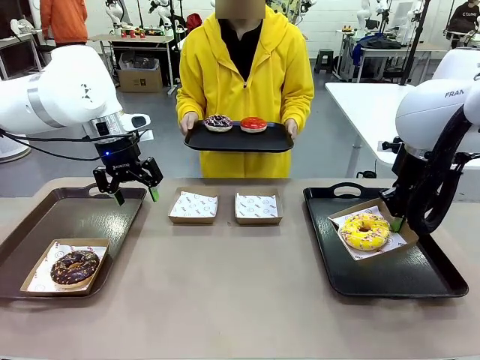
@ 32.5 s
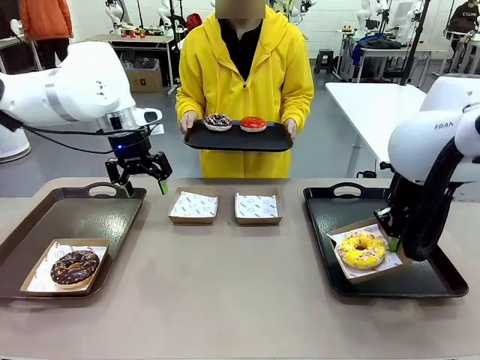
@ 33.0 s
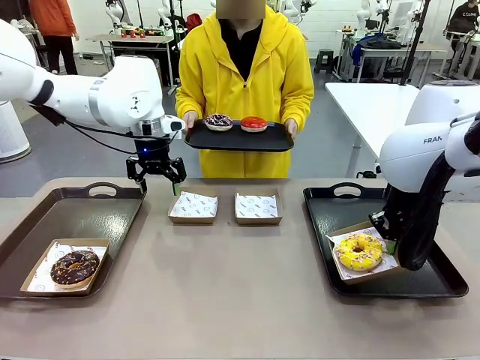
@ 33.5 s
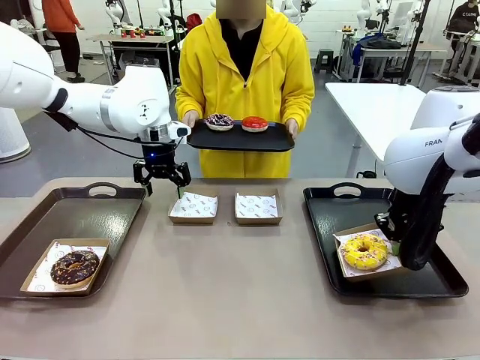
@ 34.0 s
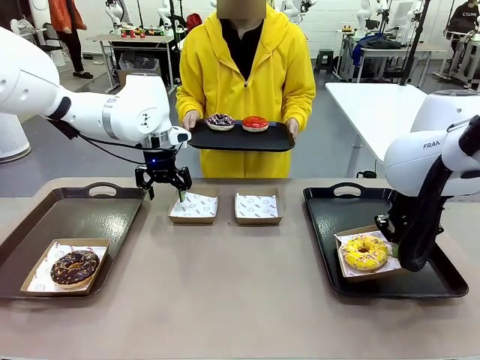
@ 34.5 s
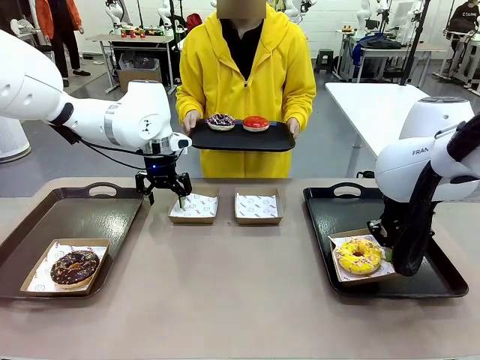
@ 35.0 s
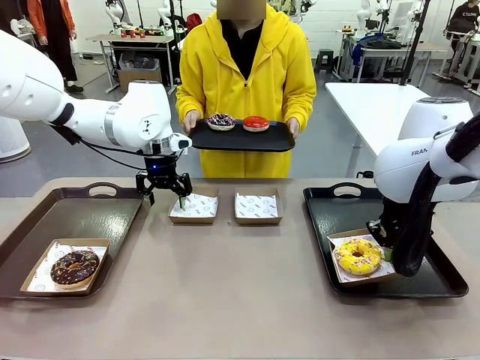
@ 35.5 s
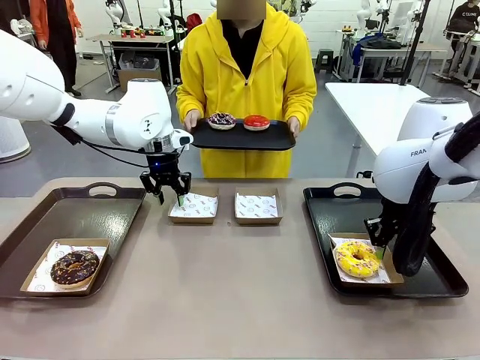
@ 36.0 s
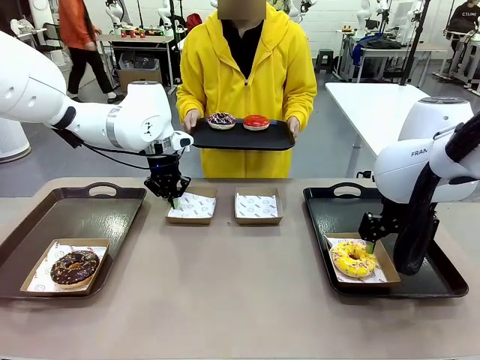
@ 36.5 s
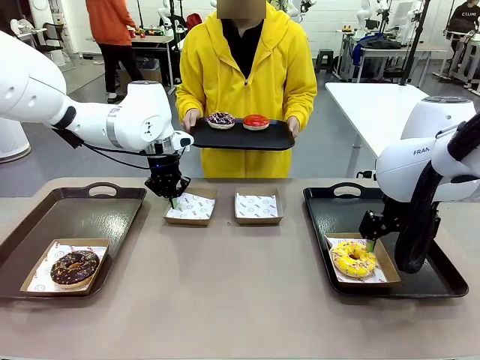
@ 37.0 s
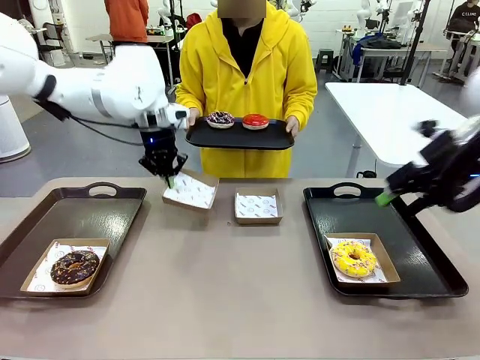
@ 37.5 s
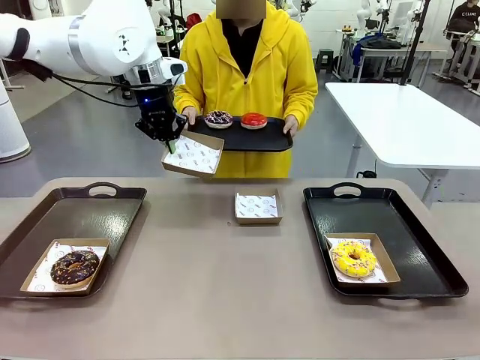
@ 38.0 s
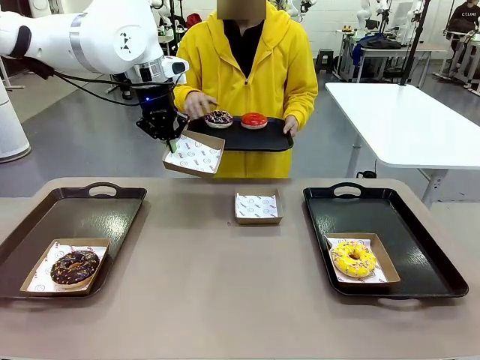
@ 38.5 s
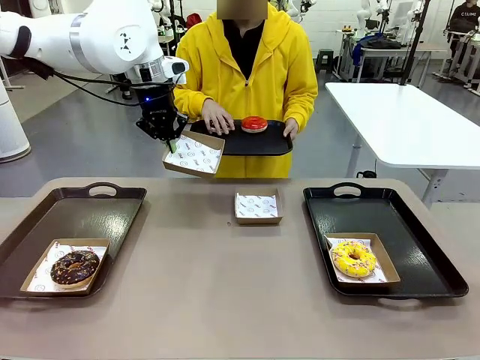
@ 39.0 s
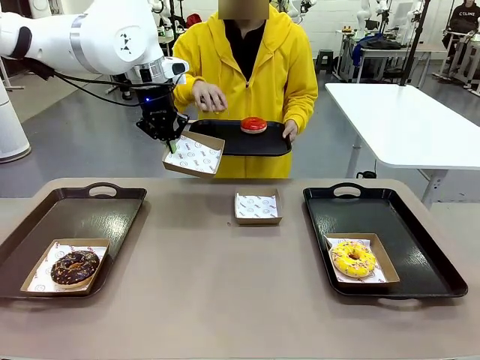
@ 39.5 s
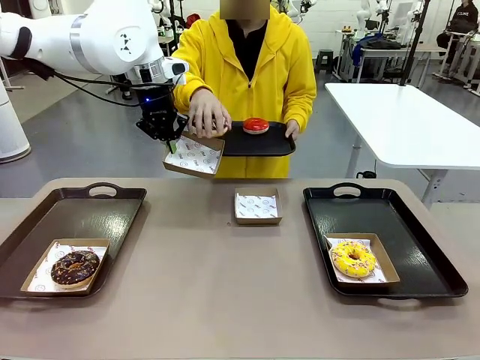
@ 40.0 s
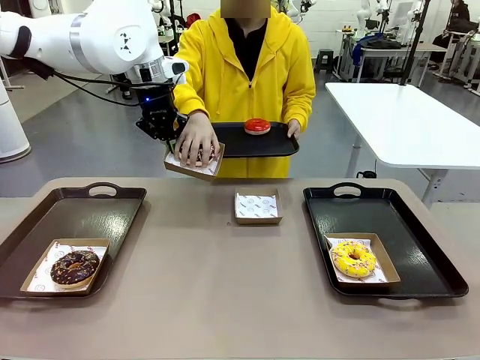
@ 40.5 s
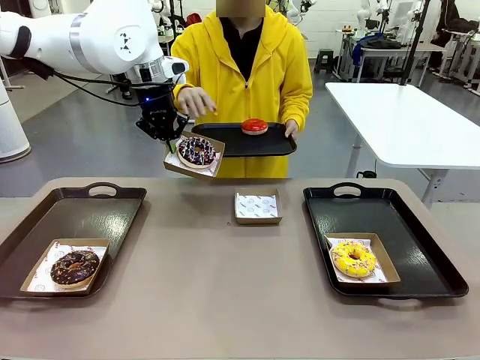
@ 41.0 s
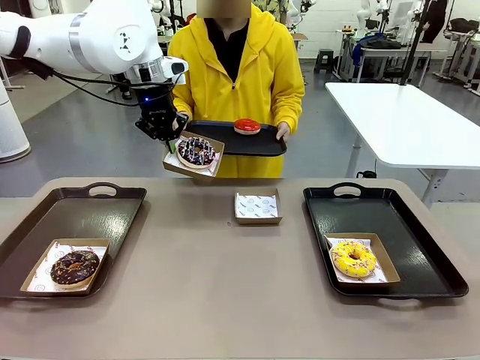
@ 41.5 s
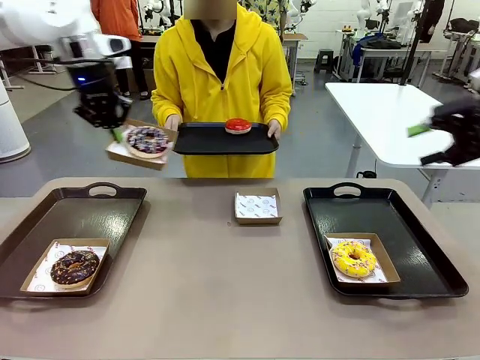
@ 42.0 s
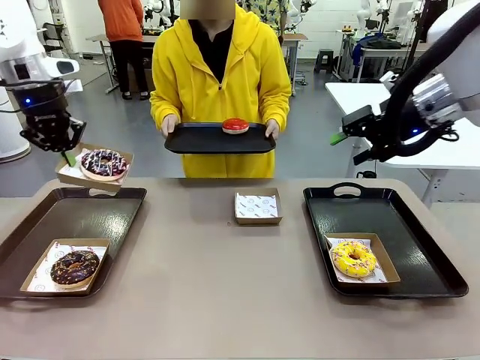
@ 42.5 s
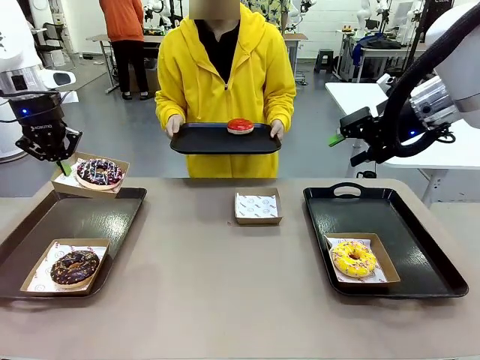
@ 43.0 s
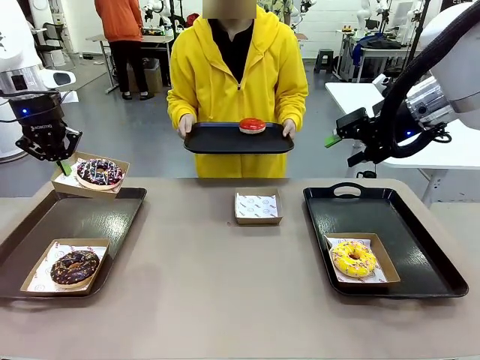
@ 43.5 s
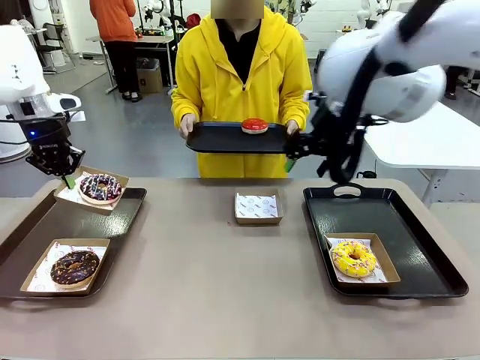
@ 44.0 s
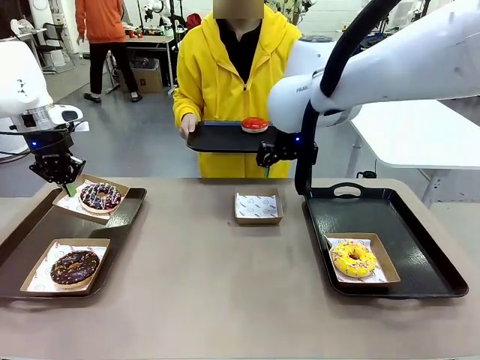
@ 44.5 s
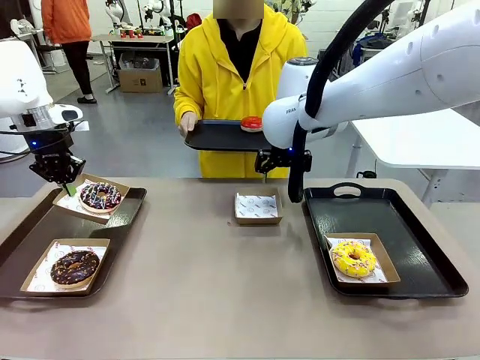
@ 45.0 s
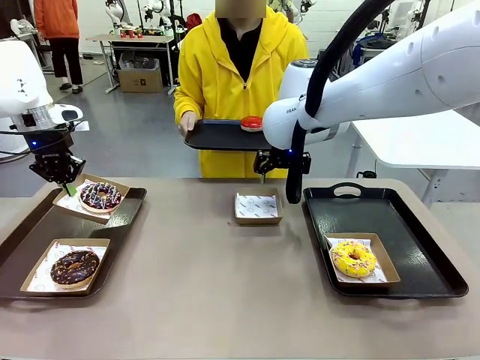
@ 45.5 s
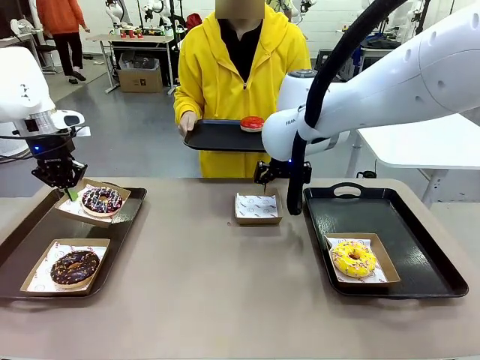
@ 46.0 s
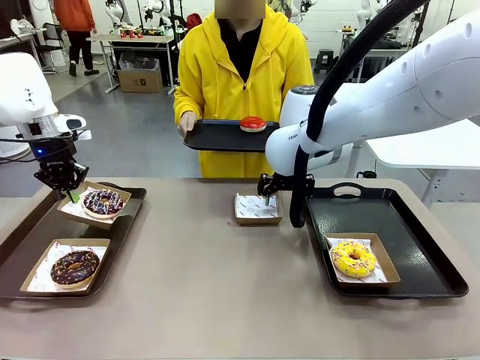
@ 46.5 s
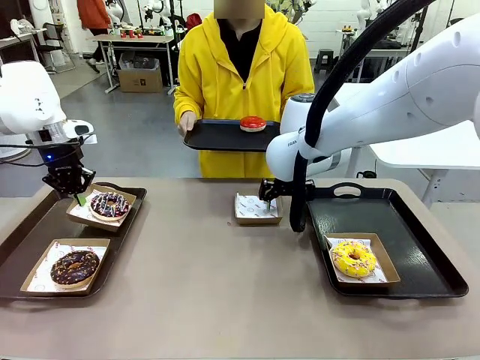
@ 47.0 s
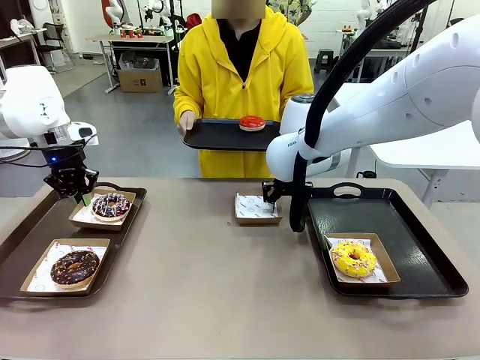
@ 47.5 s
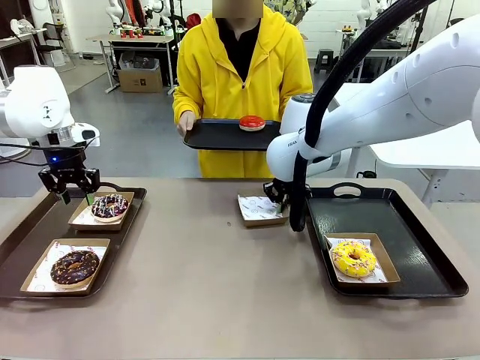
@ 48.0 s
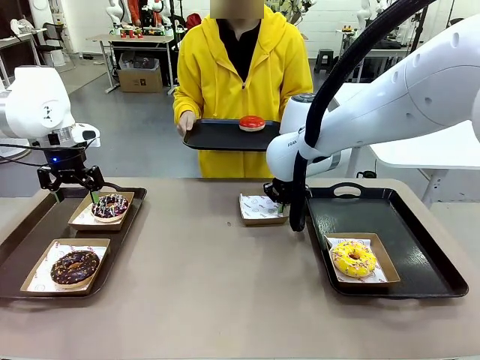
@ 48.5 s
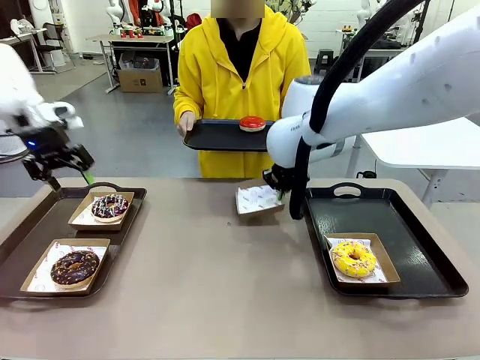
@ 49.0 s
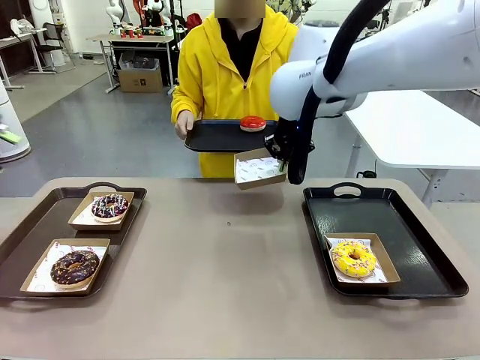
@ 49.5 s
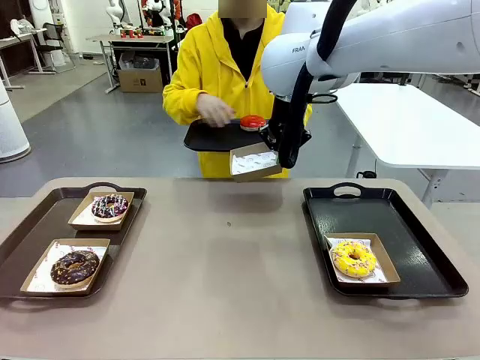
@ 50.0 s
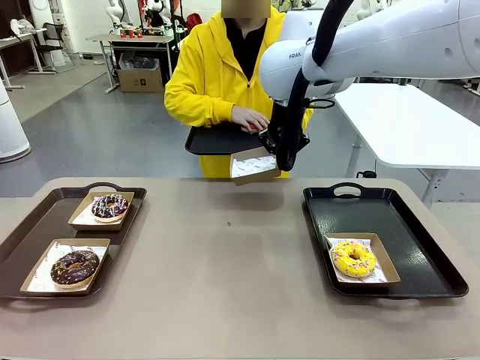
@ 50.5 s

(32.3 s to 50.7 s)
Task: Individually package the donuts and arrange them on the tray.
Robot: Place the picked Paper togo box on the Handle tray while simultaneously picking up another Paper togo box from the table with the other hand.

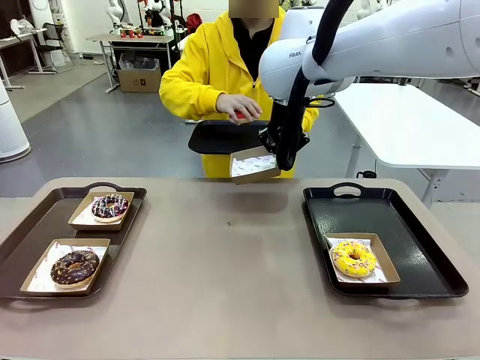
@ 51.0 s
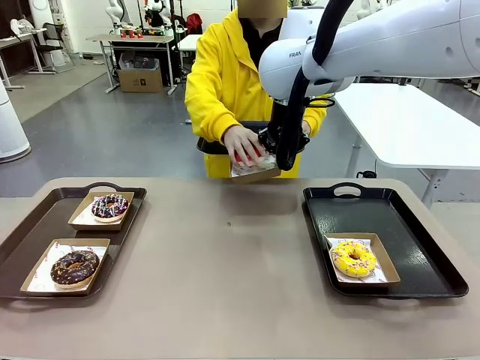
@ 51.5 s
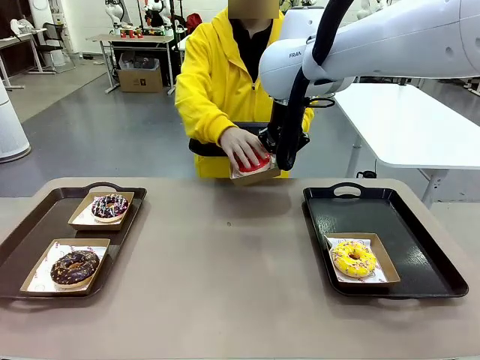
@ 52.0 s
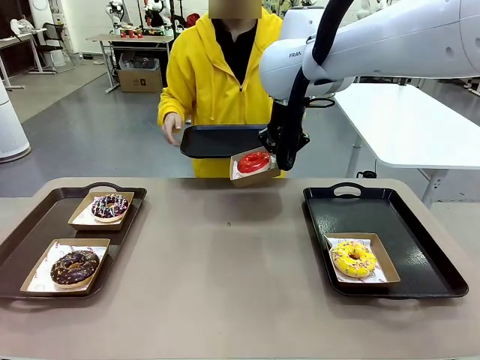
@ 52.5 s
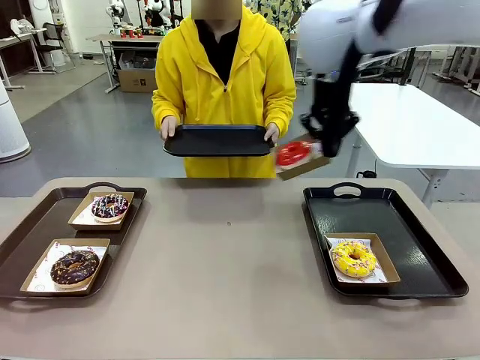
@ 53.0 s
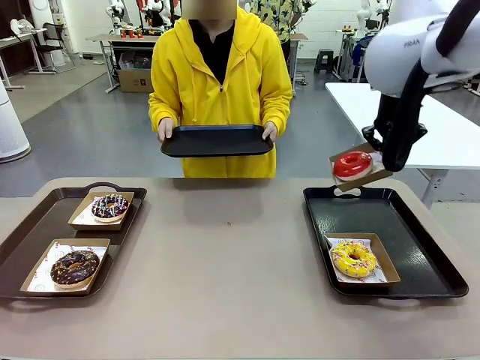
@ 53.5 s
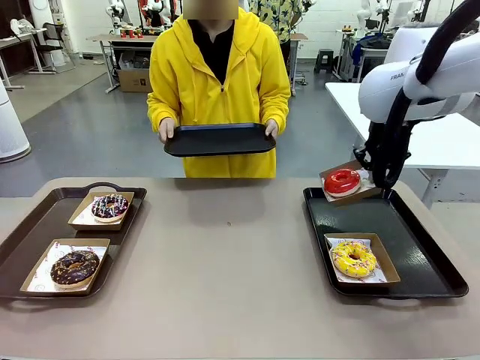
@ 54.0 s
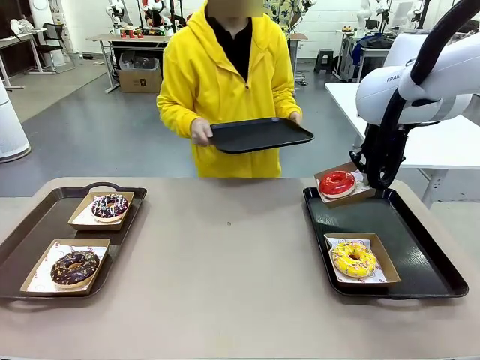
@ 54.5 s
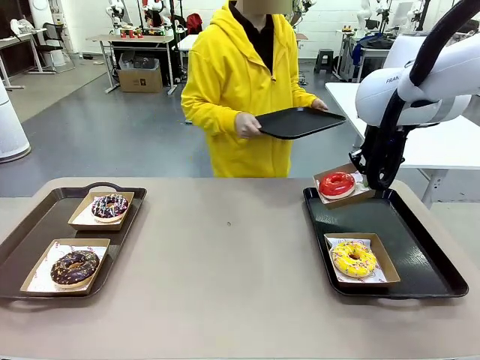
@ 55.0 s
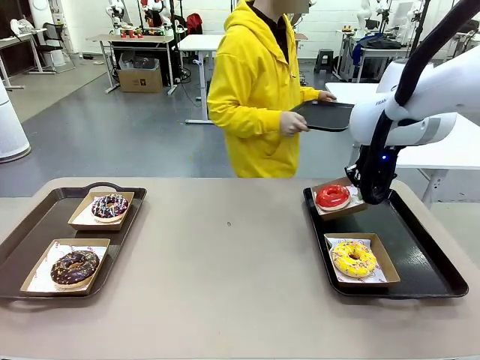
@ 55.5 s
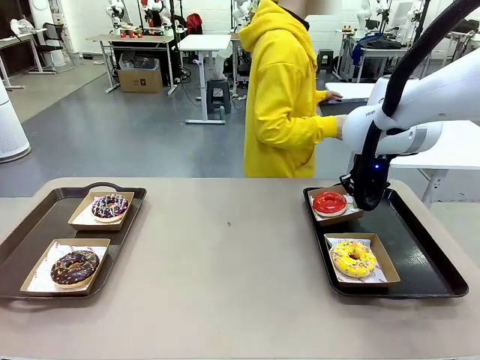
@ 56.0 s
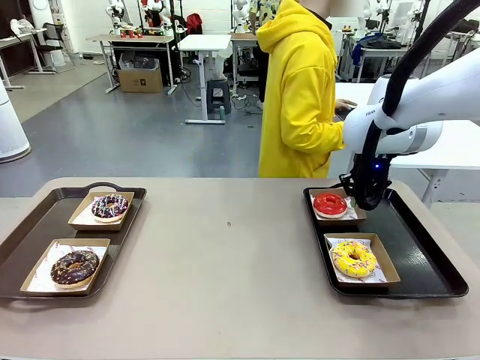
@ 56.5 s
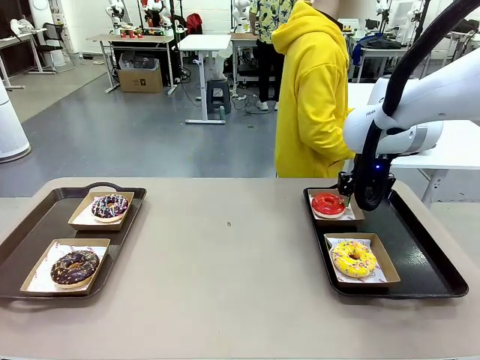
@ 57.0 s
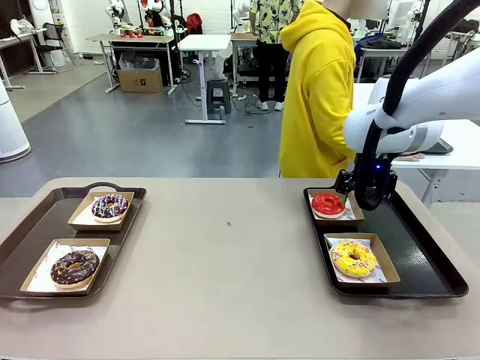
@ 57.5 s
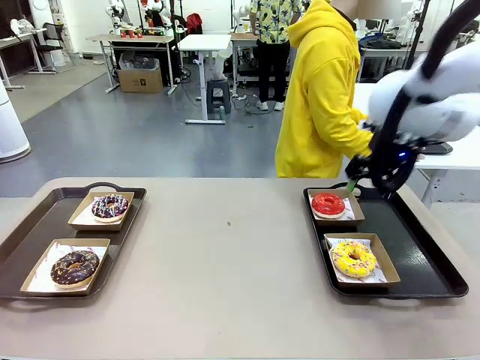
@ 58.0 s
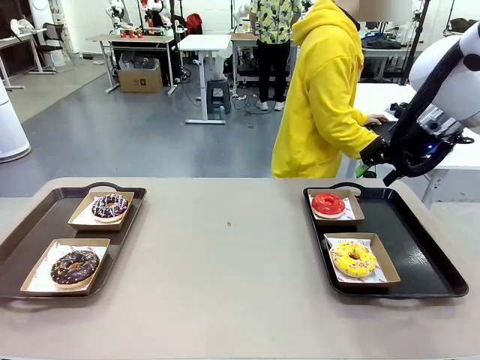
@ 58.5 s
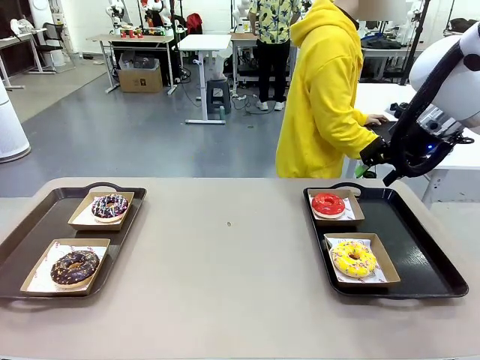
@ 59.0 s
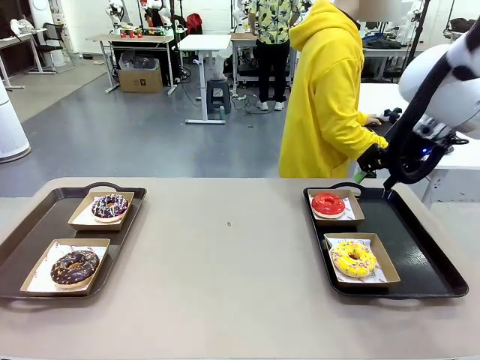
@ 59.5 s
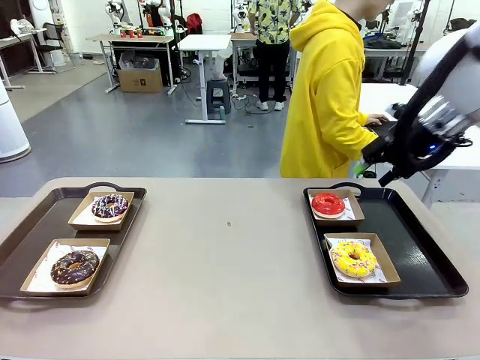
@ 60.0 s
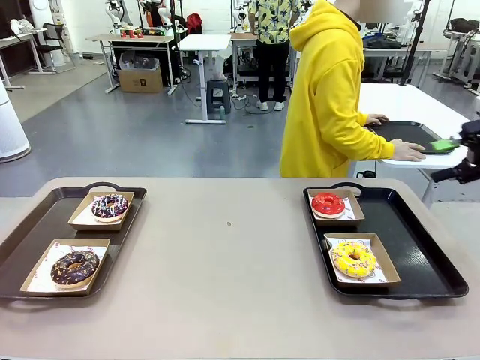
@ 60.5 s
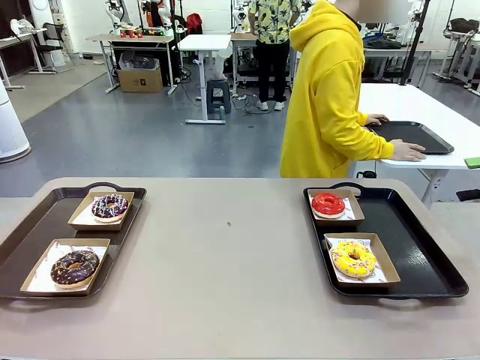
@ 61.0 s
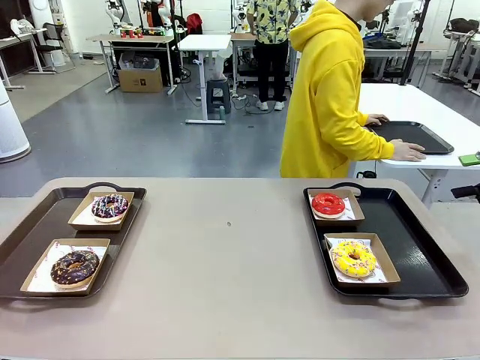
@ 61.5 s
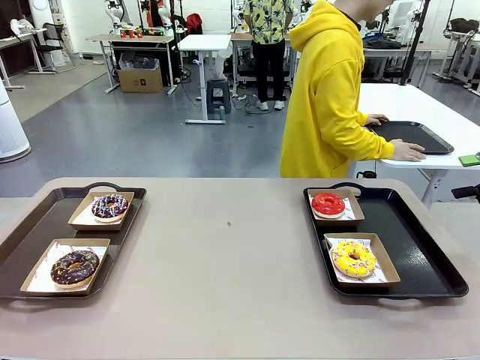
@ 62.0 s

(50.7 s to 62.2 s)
Robot: Place the picked Paper togo box on the Handle tray.
Person: Place the tray down in the middle of the human table.
